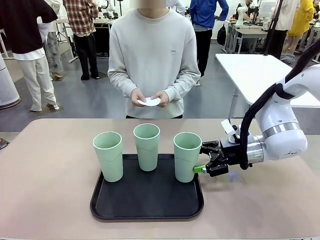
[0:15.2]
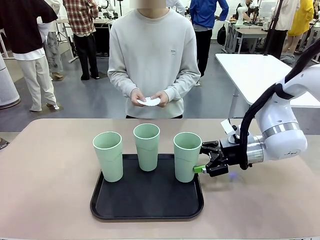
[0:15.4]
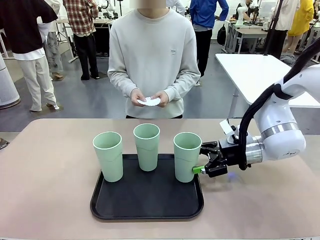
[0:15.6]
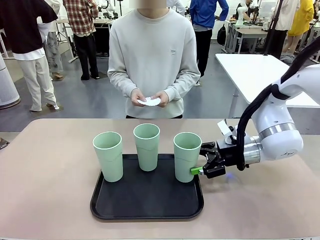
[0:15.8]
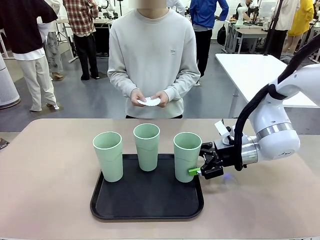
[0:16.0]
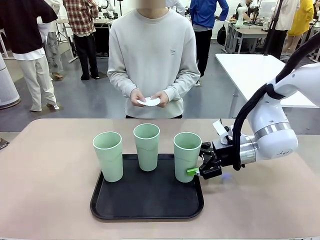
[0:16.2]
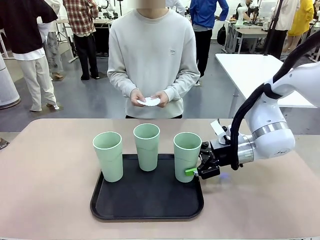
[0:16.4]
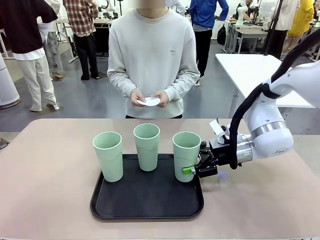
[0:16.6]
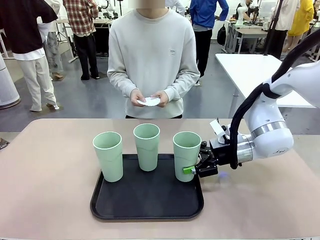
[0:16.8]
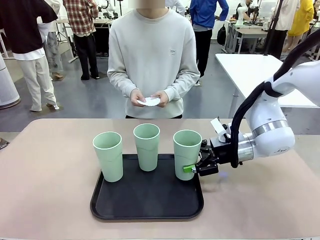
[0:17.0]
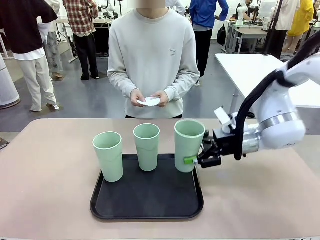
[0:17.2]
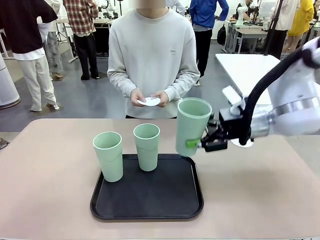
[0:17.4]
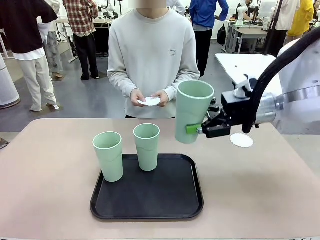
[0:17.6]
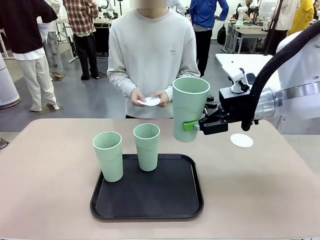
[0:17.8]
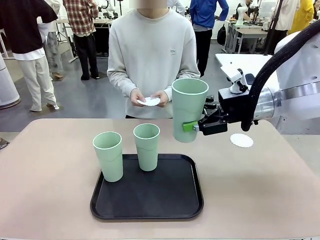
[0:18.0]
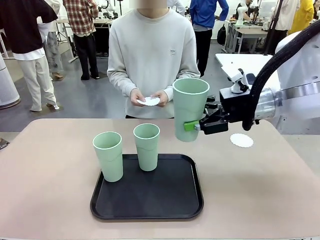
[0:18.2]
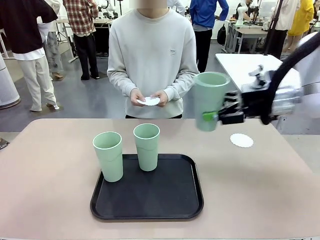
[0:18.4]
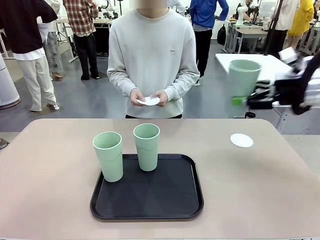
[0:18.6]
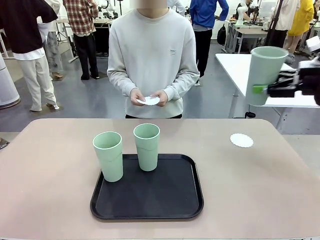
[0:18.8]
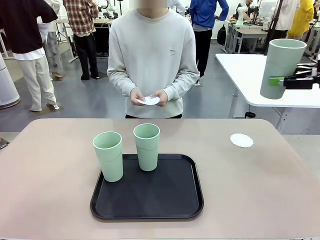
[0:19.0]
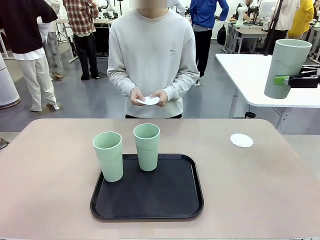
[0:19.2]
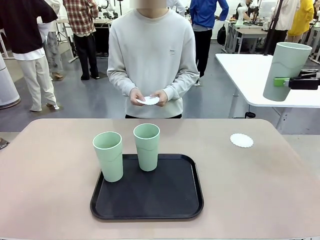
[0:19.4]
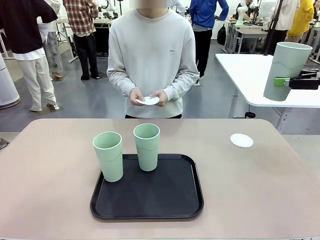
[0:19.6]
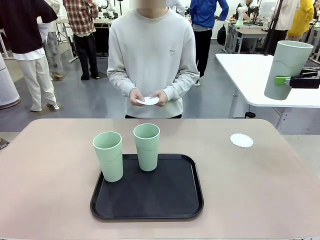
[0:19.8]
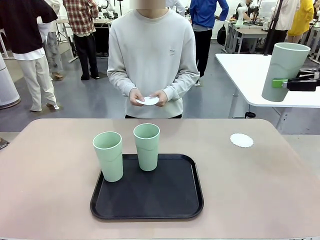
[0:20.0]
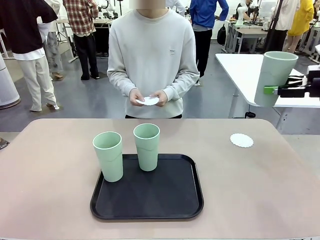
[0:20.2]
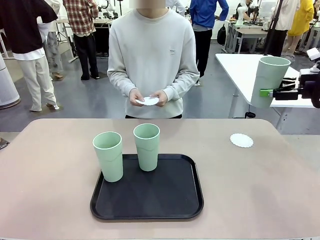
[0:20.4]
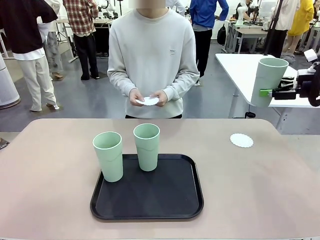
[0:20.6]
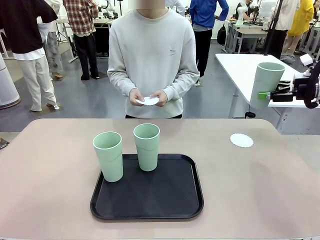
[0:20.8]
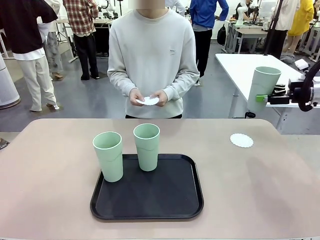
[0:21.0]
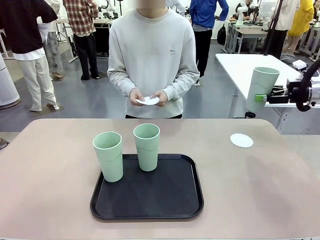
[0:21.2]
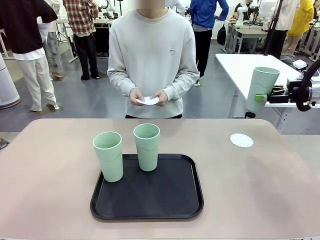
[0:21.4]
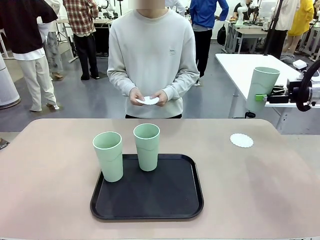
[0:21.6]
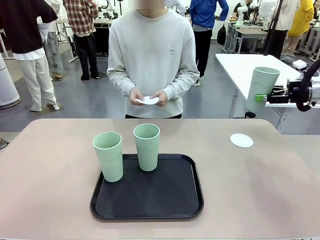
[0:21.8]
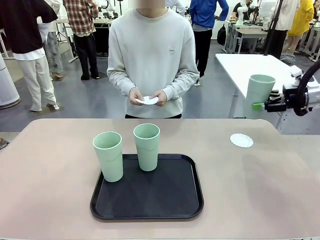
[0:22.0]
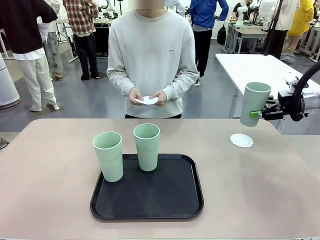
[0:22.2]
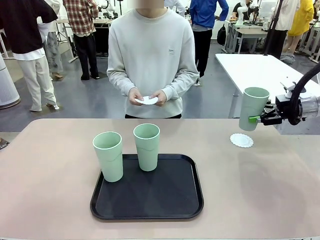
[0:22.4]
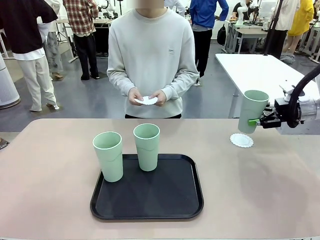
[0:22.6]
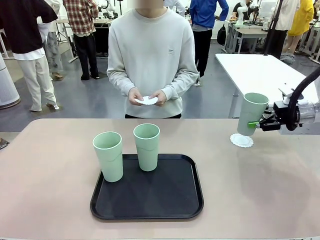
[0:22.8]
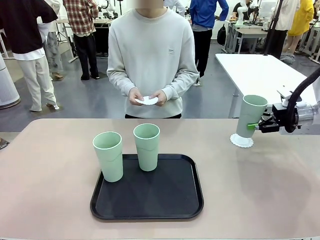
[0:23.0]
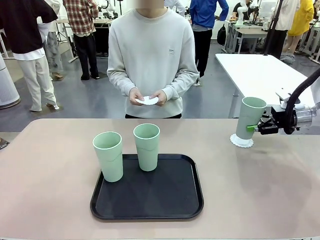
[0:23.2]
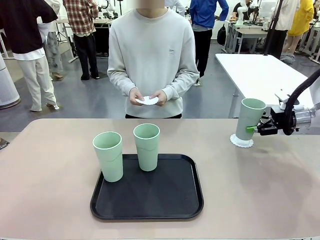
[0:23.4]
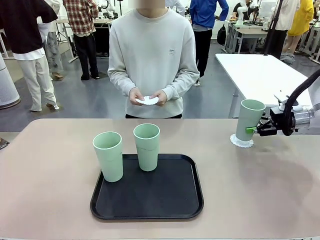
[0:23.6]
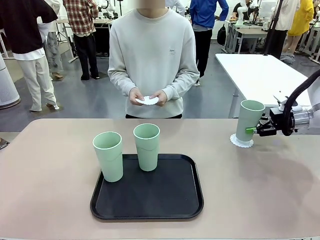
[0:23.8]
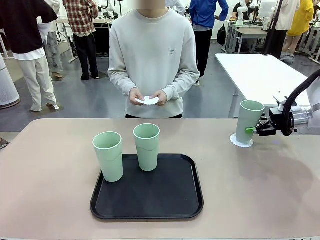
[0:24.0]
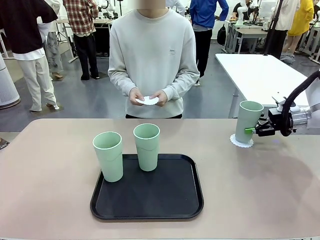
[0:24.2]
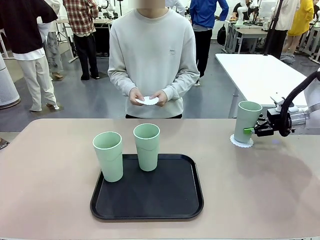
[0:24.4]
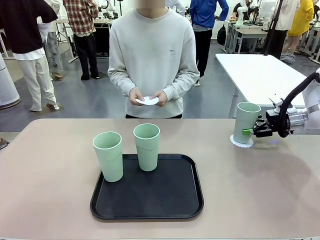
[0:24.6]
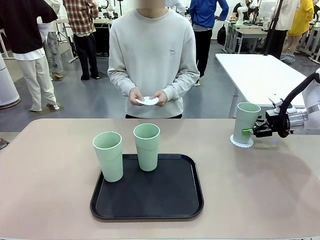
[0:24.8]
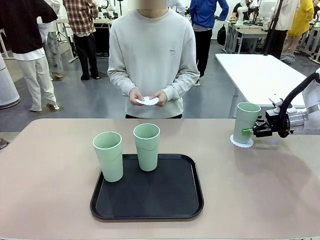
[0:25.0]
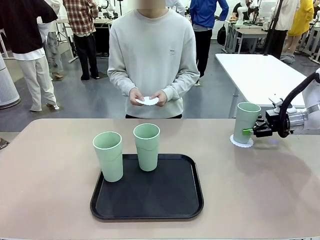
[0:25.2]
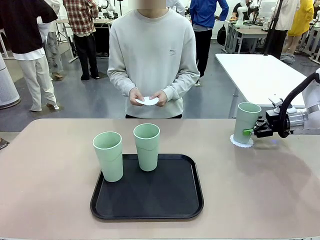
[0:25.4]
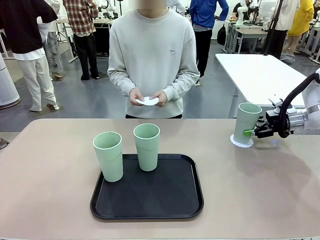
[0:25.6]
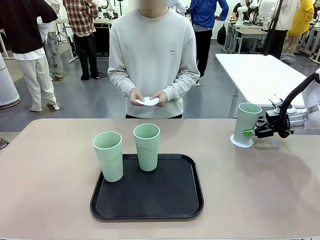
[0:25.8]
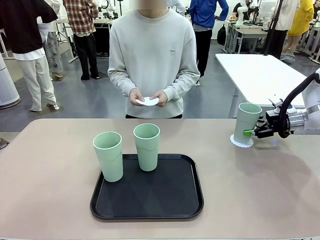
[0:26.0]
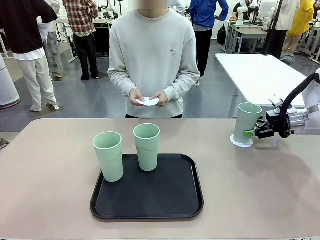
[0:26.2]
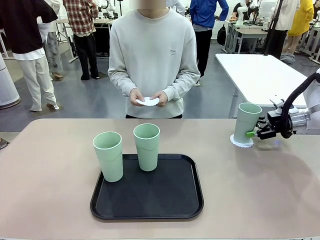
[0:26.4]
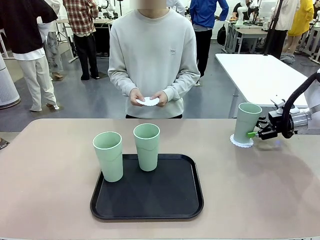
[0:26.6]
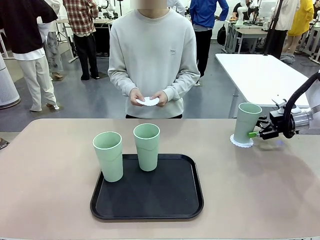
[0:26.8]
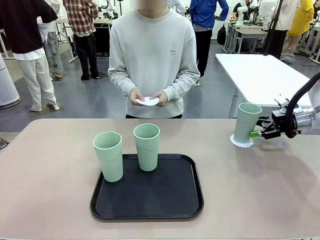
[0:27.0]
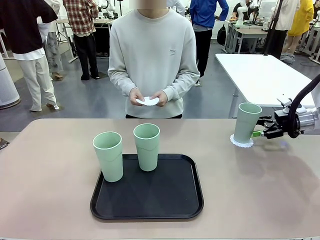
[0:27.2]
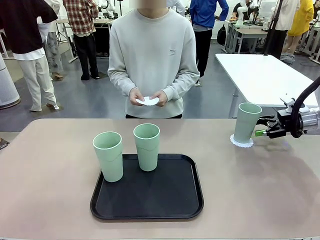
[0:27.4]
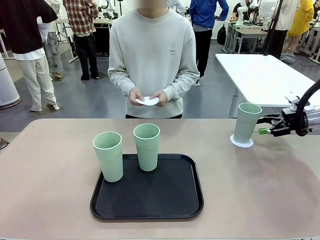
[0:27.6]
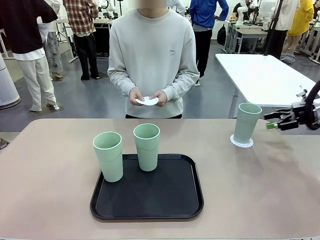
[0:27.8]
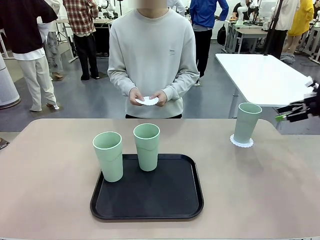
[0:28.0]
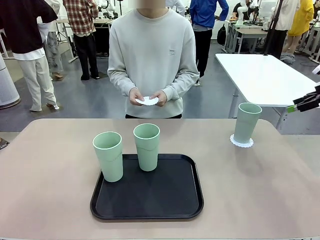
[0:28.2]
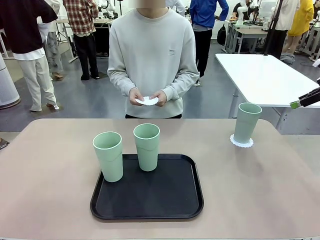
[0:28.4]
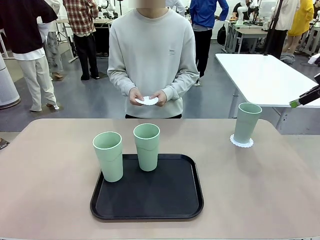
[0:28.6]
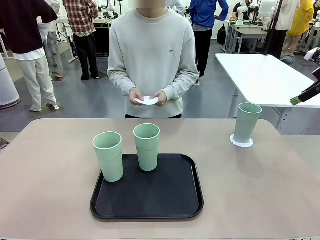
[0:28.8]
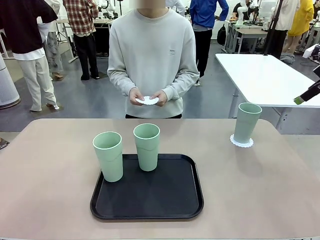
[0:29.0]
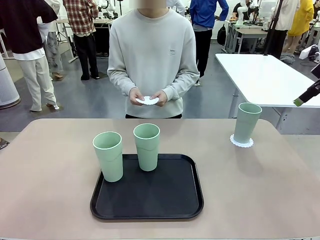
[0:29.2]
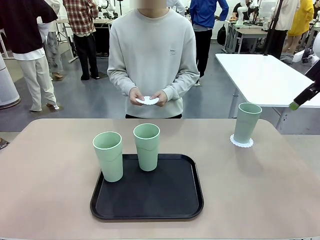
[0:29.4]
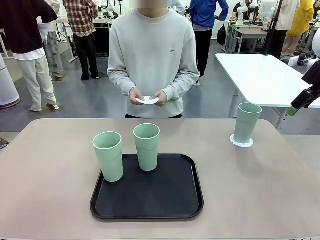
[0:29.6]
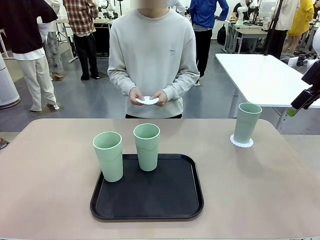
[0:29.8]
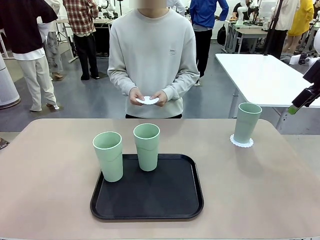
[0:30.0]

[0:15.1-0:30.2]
Task: Place coasters on the table and set cups on them.
Robot: Pick up one Reusable plastic cup and place it on a coaster set by the human.
Person: Place one coaster in one of the two areas excluding the previously selected area.
